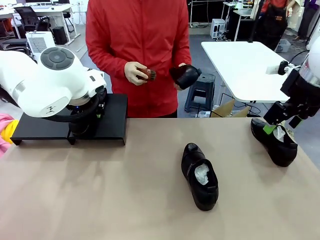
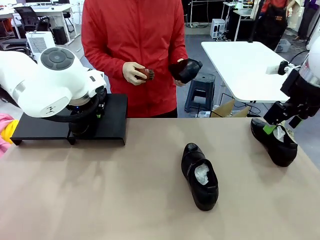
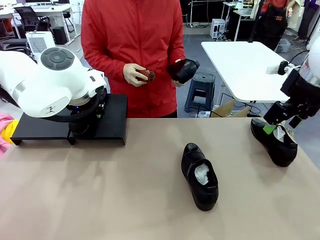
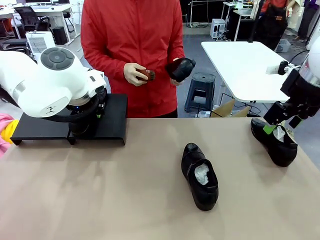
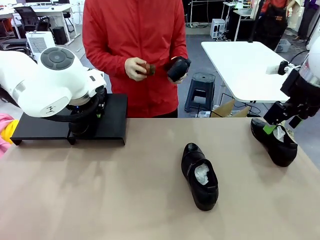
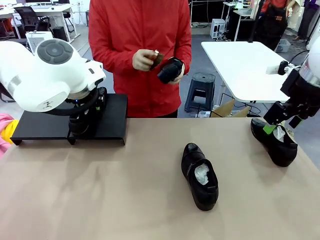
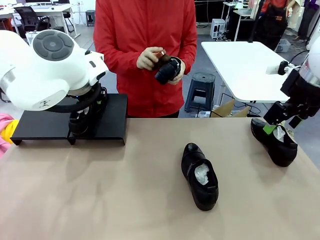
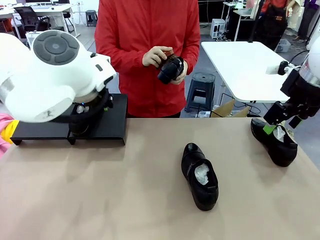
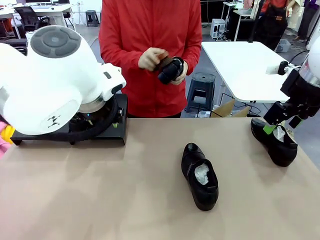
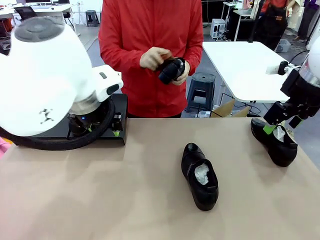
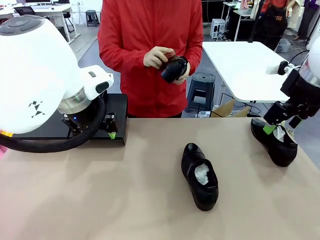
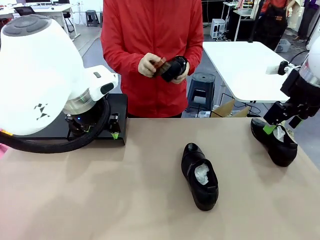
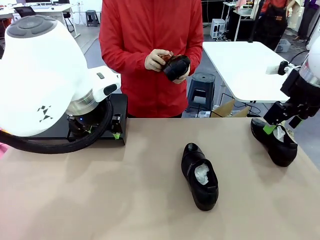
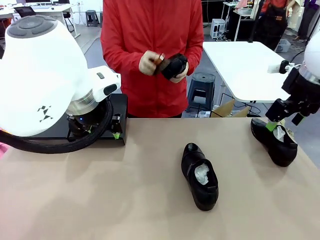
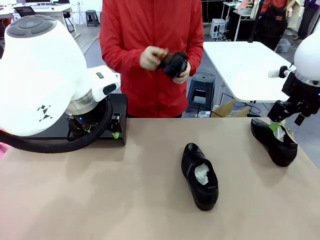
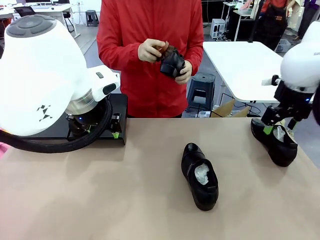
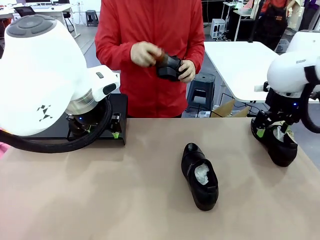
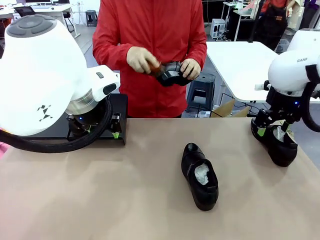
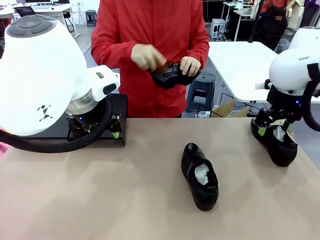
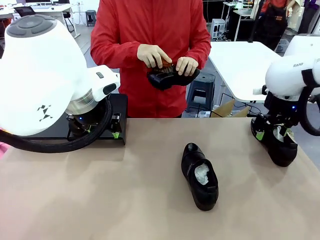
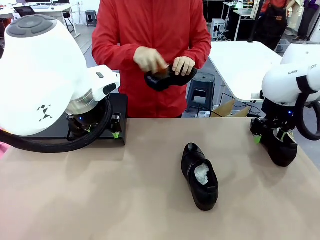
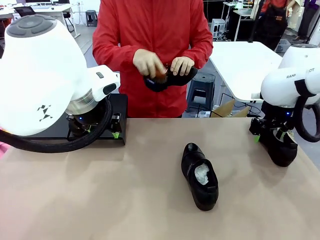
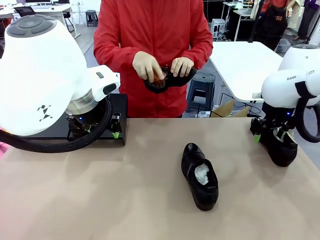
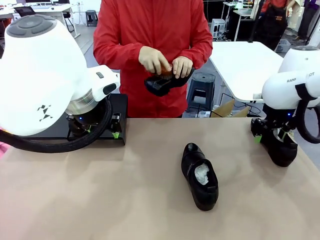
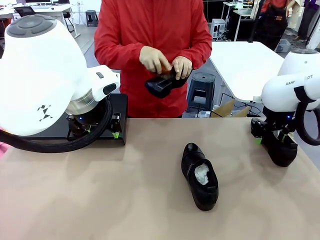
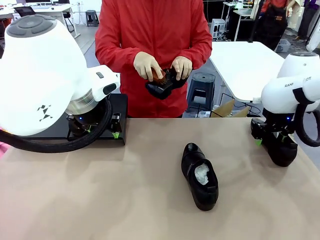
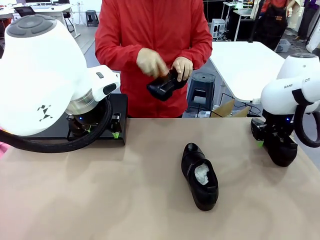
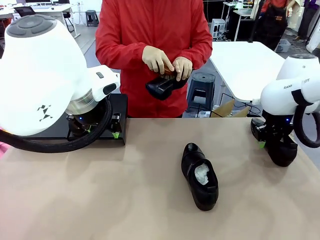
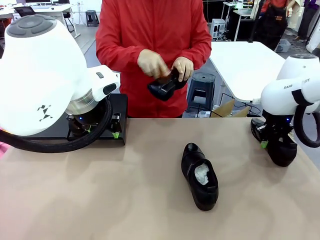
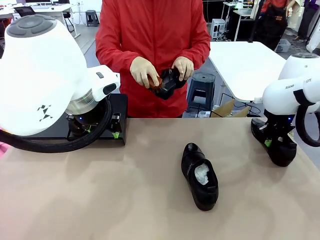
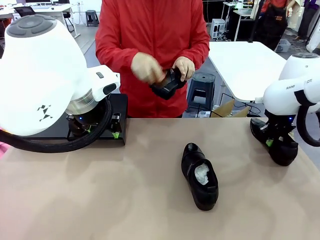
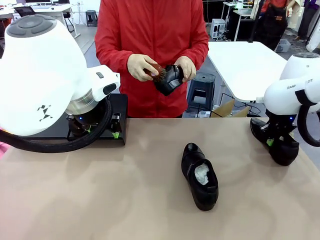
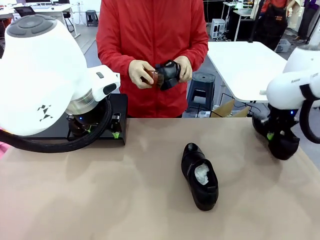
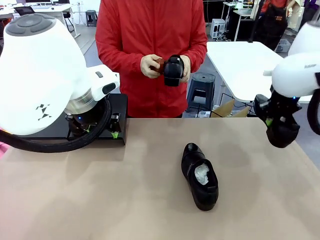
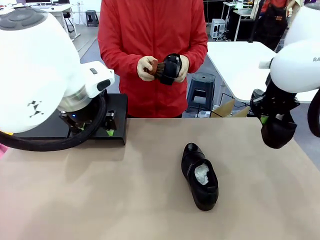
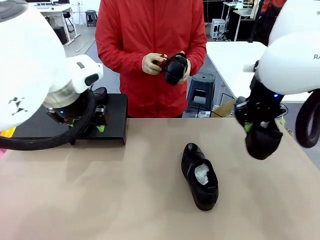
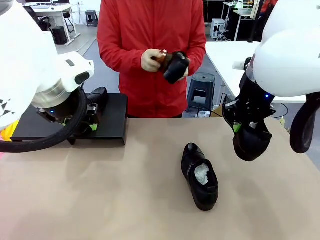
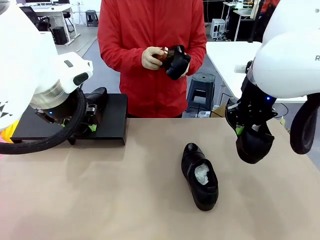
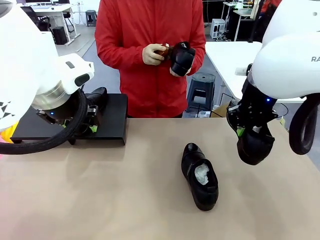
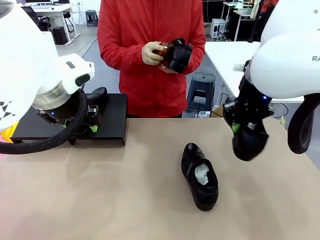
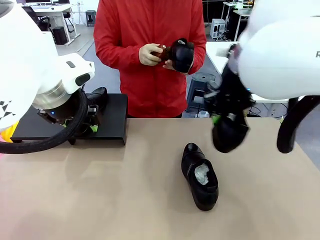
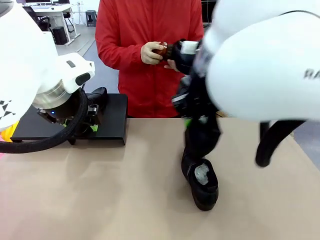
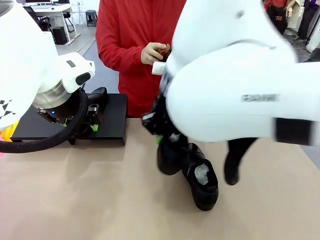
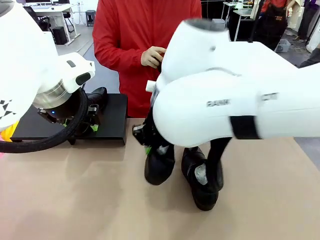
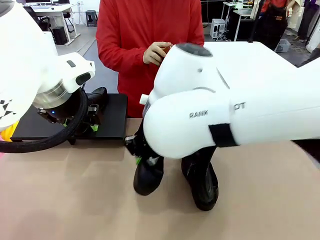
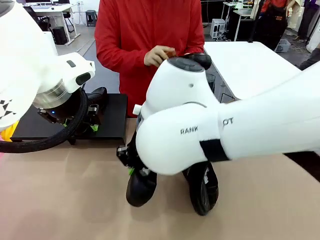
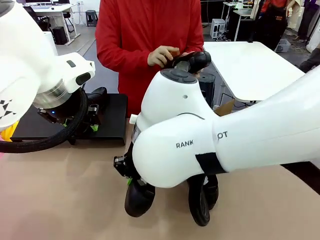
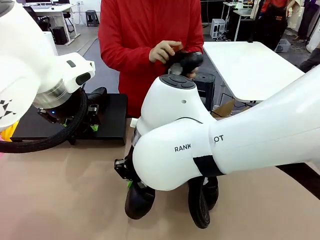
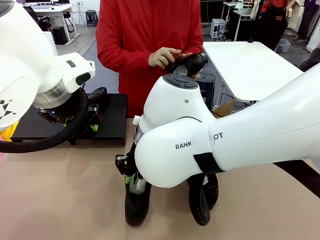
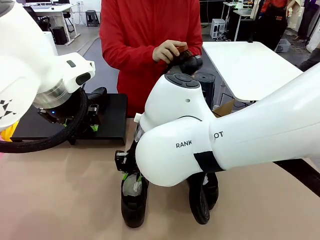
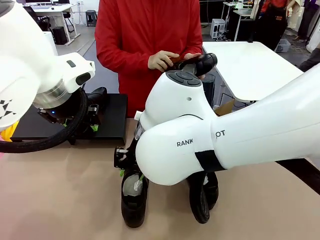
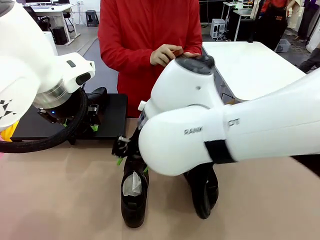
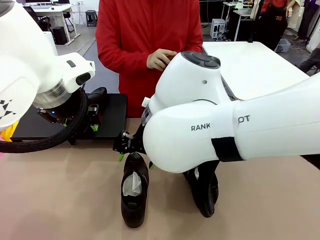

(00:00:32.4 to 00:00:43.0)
Task: Organize the shoes by placing them on the stand.
Robot: Pick up one Shoe and place it in the middle of the table.
Person: Clean the Shoe with the Shoe Brush.

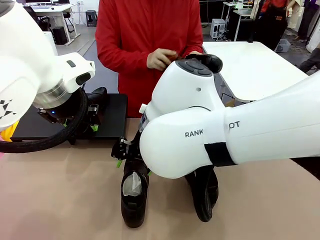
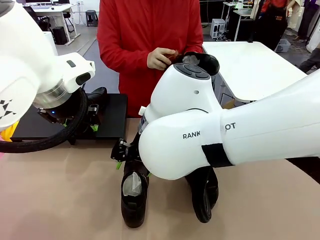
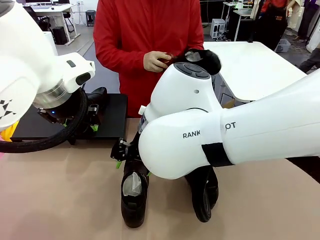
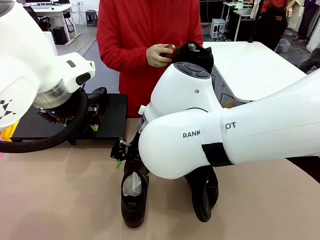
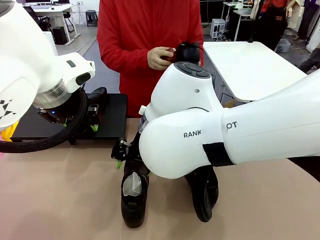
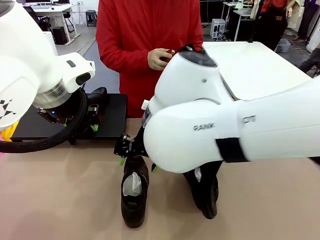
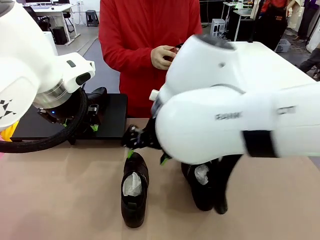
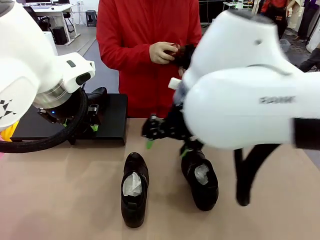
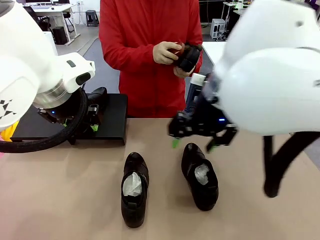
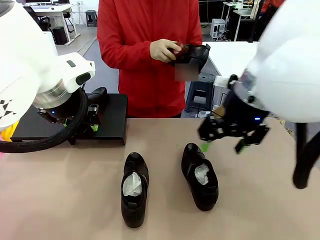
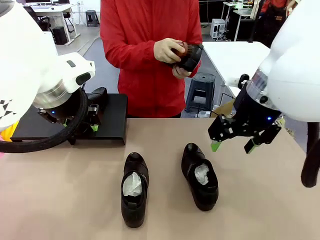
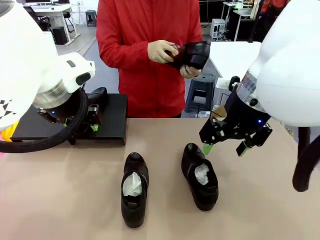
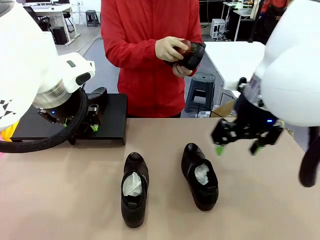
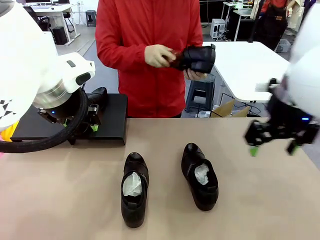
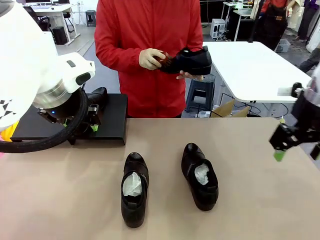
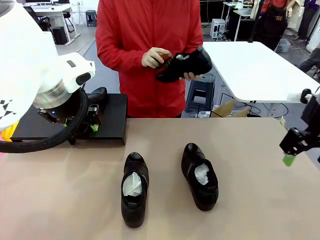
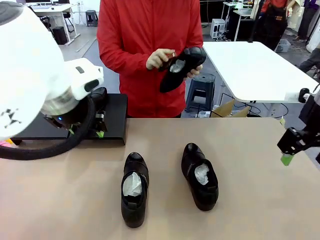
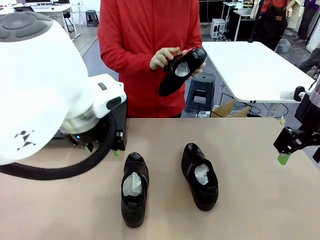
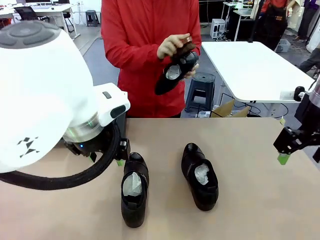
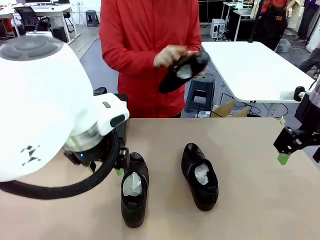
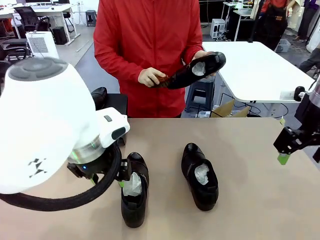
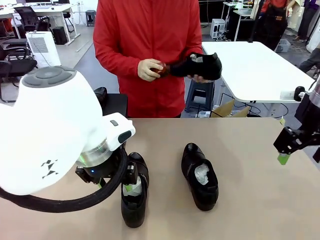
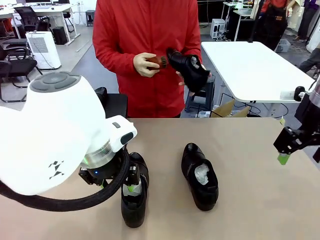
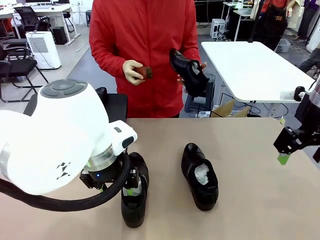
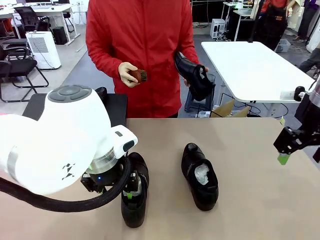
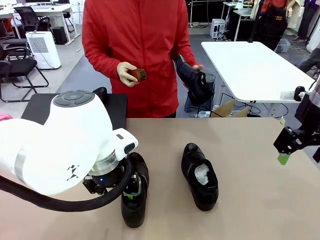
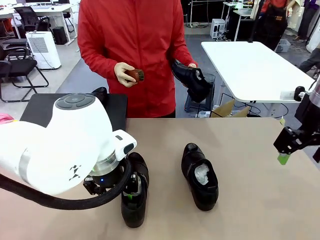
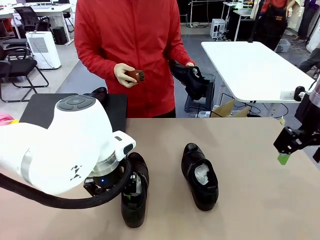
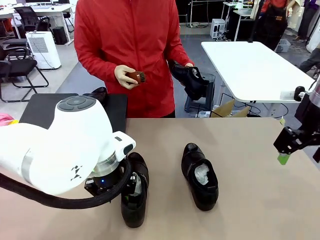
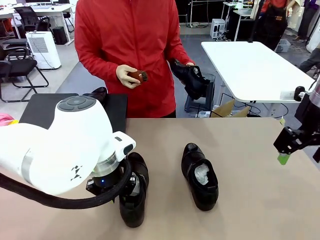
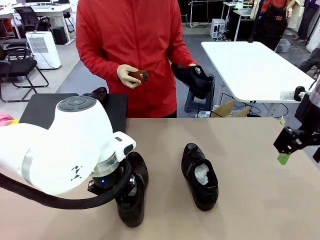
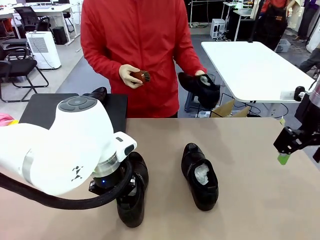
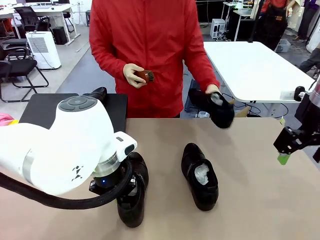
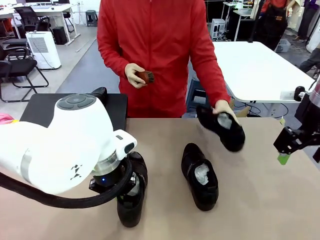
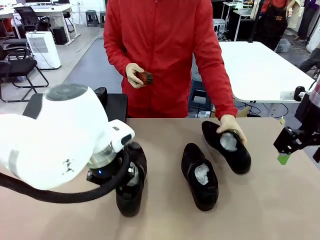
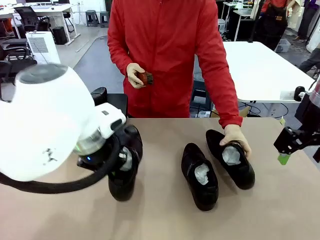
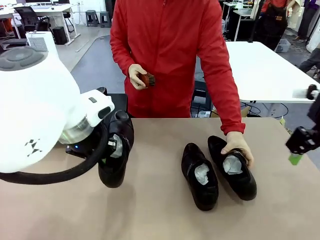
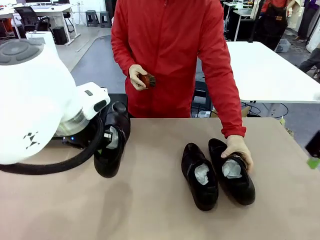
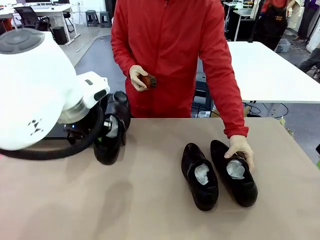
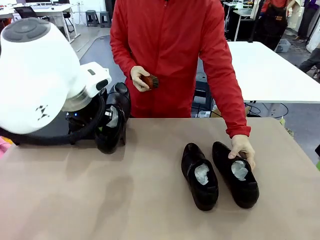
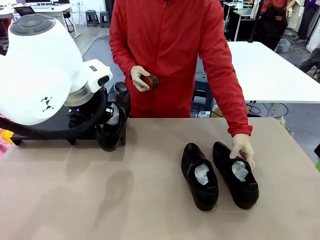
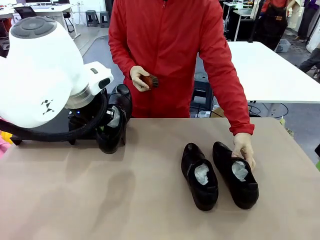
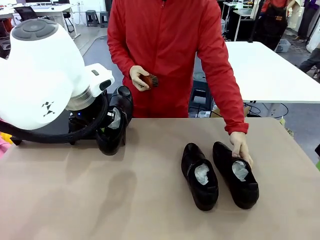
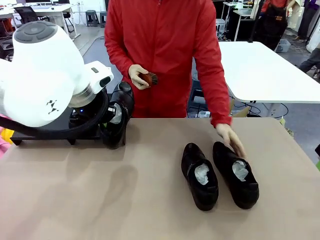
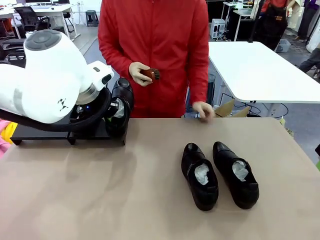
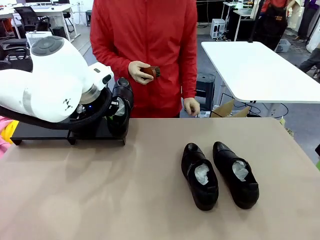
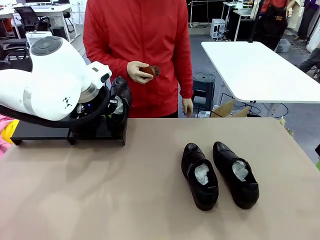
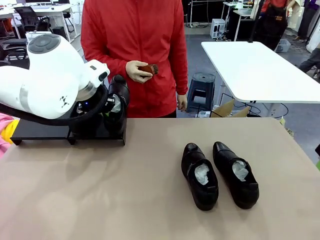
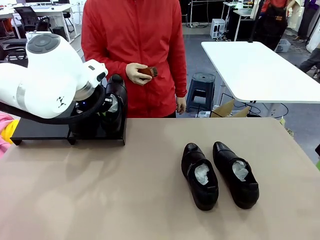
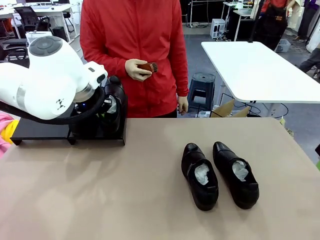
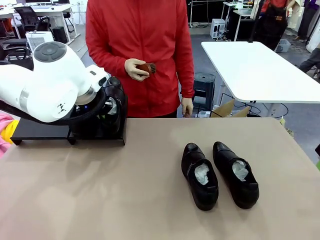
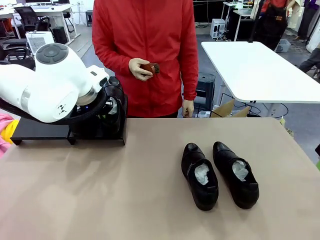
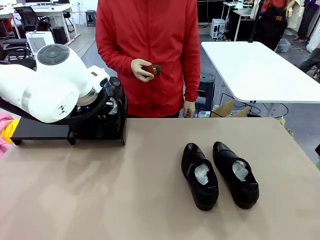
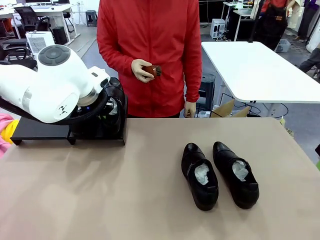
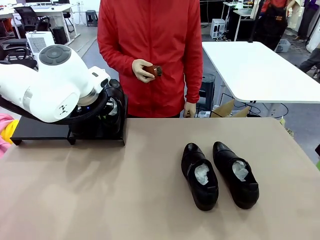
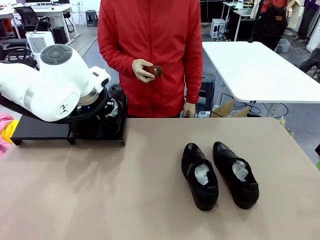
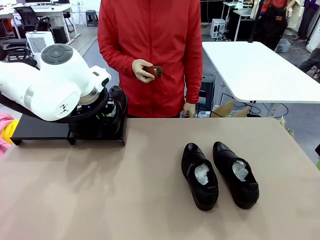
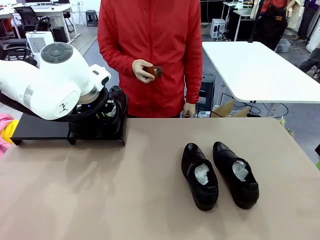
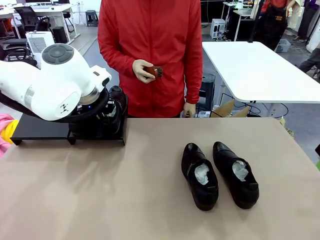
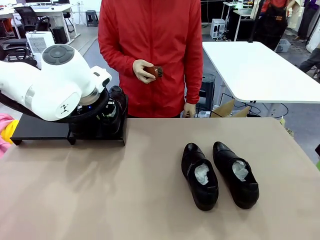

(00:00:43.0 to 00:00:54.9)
Robot: Place the Shoe from the middle of the table onto the Shoes Stand.
